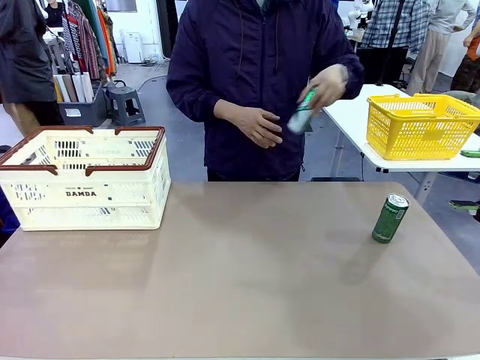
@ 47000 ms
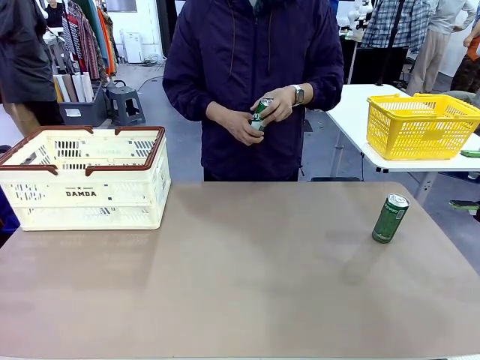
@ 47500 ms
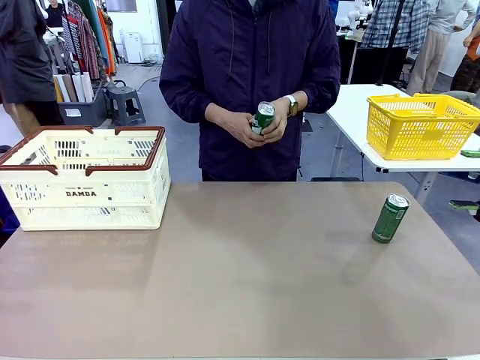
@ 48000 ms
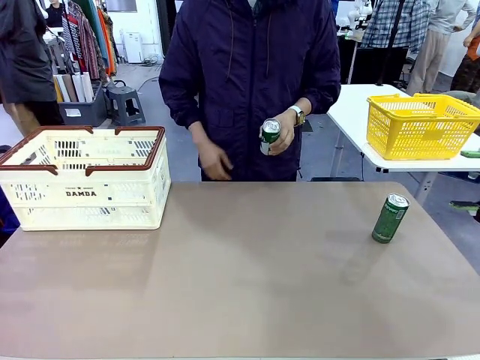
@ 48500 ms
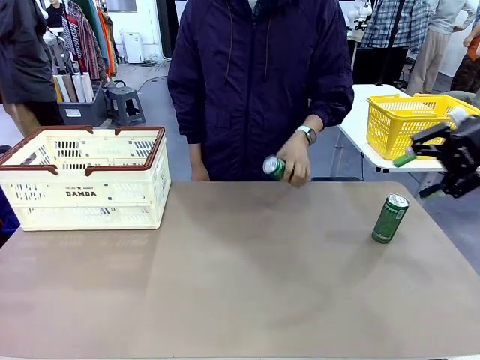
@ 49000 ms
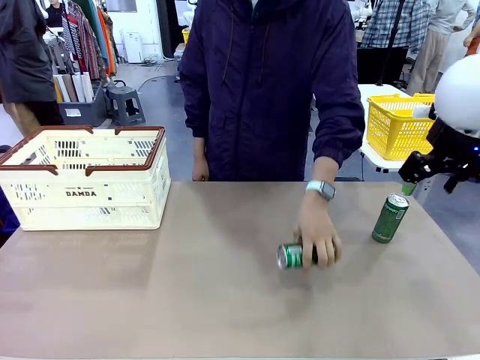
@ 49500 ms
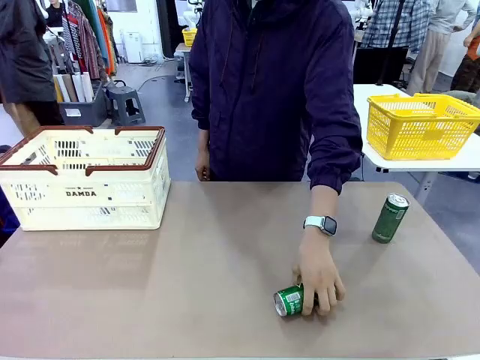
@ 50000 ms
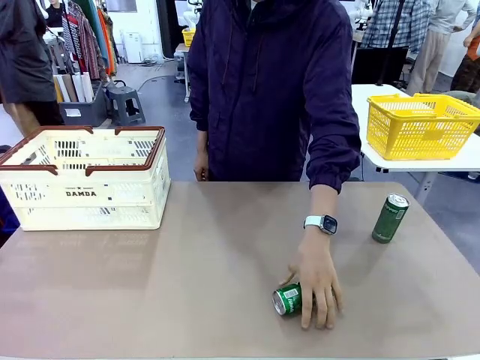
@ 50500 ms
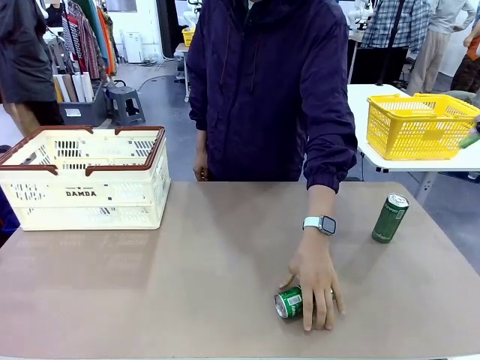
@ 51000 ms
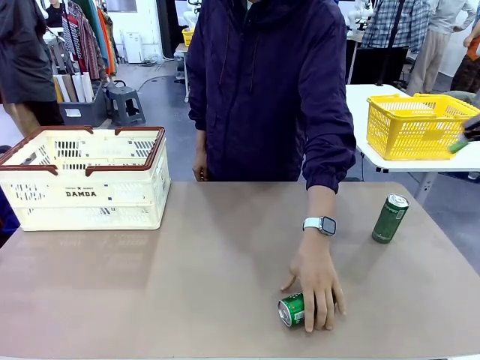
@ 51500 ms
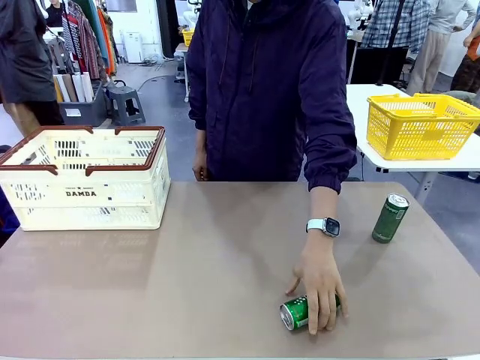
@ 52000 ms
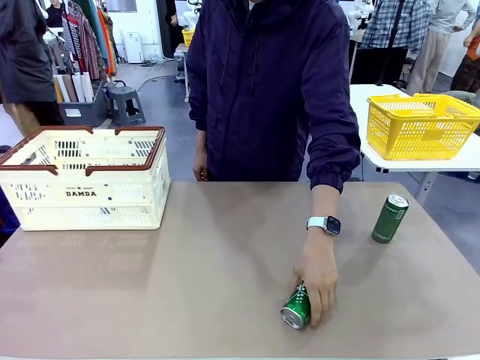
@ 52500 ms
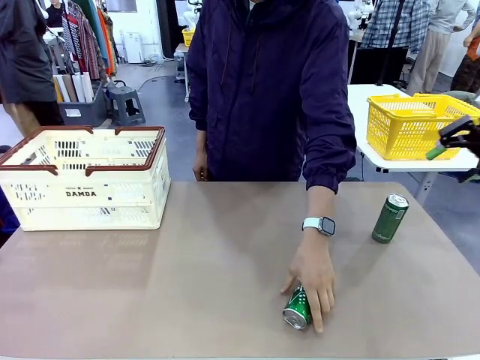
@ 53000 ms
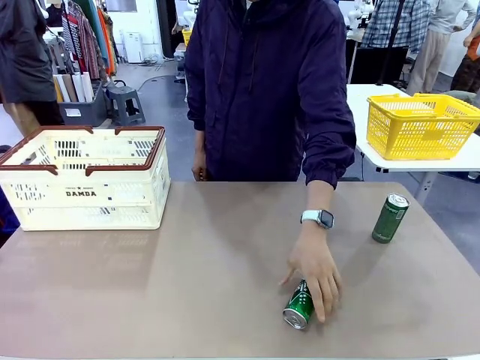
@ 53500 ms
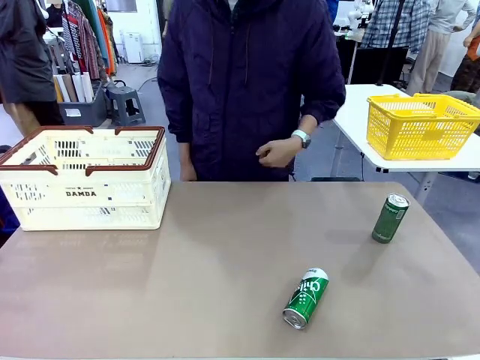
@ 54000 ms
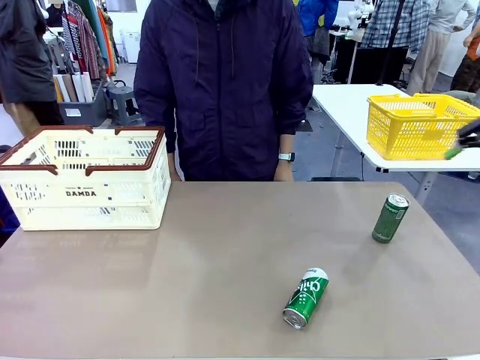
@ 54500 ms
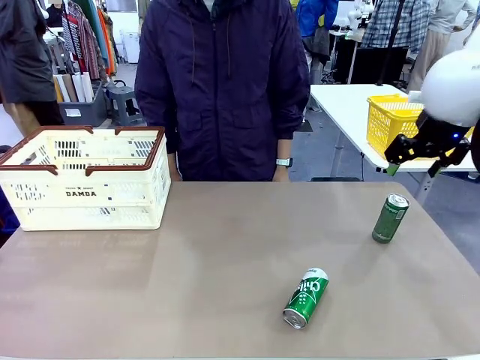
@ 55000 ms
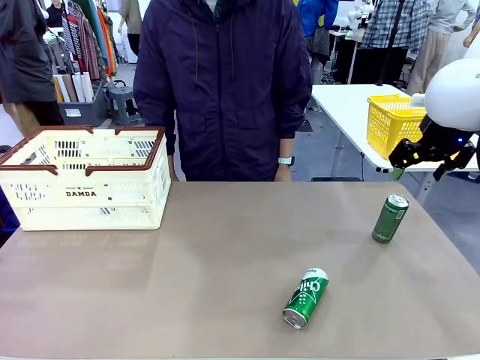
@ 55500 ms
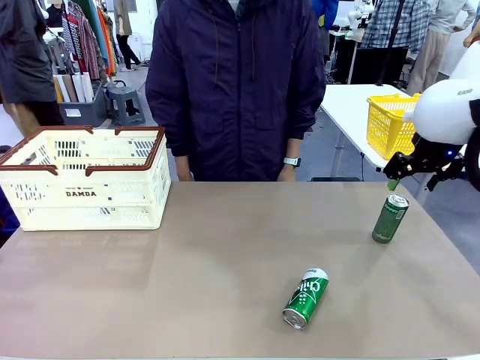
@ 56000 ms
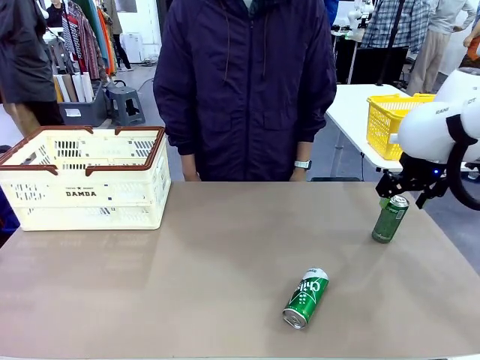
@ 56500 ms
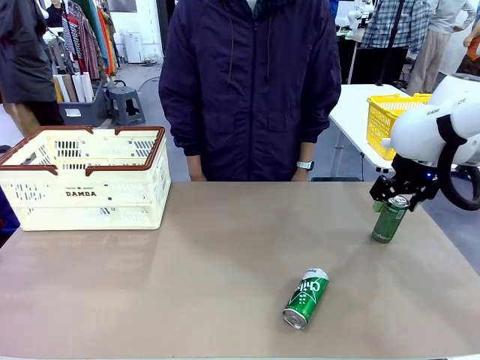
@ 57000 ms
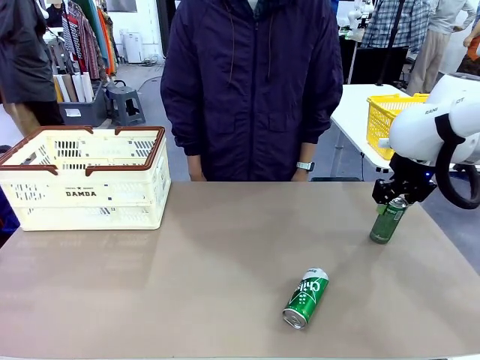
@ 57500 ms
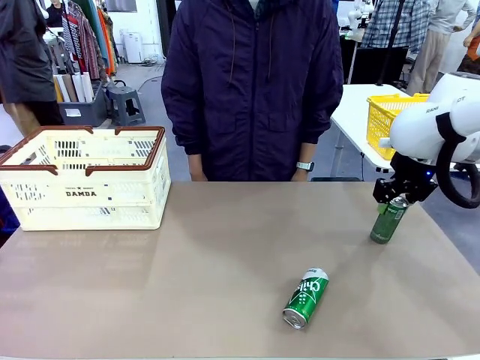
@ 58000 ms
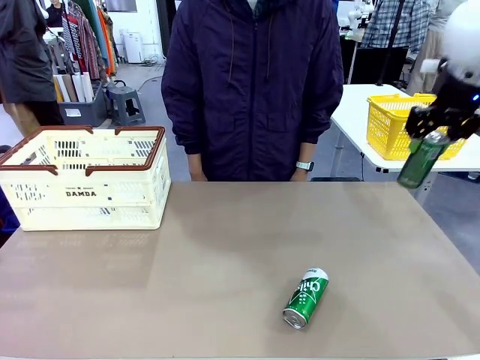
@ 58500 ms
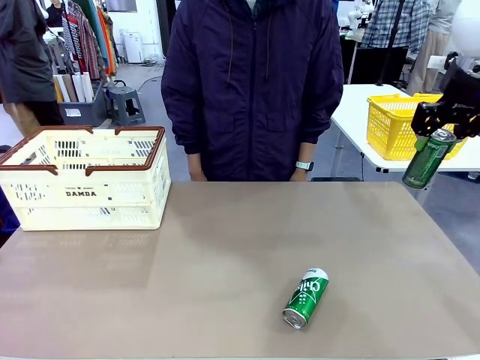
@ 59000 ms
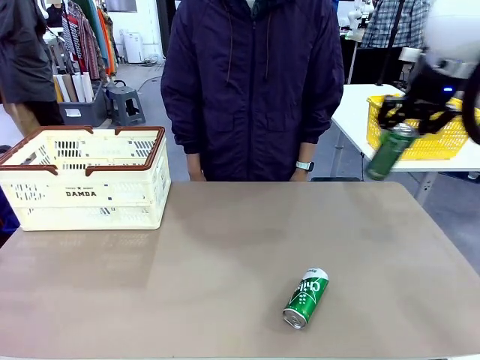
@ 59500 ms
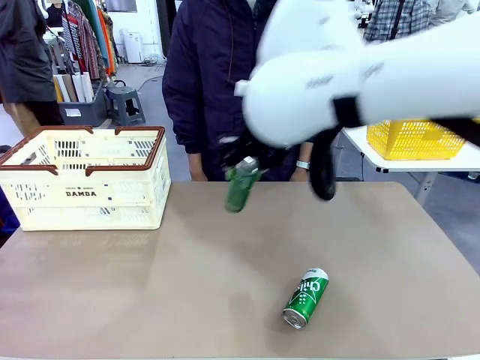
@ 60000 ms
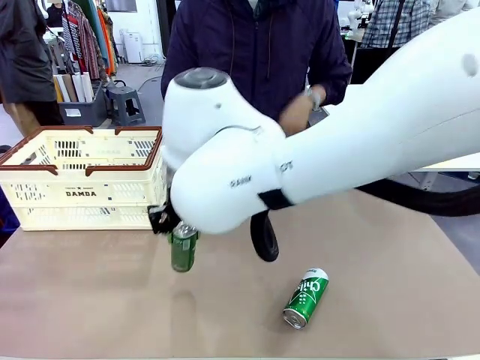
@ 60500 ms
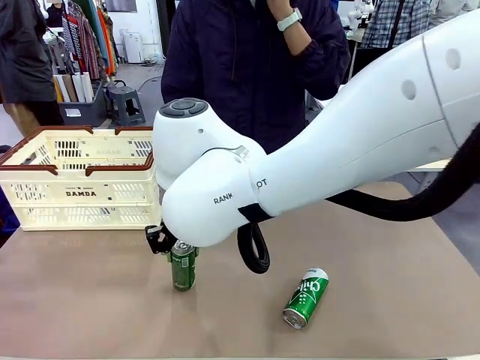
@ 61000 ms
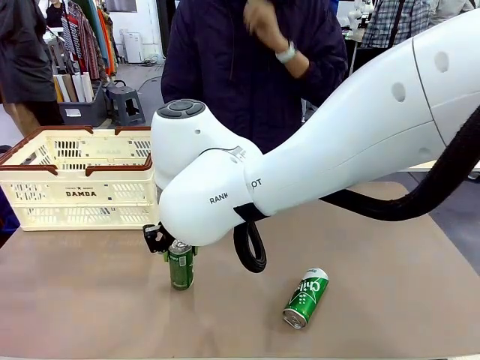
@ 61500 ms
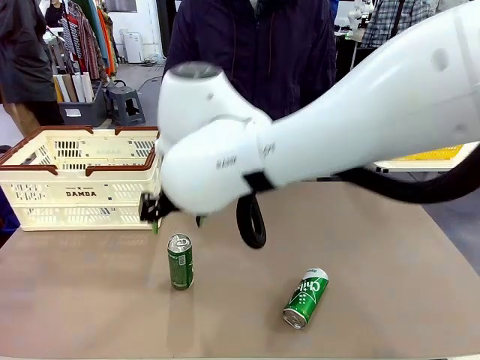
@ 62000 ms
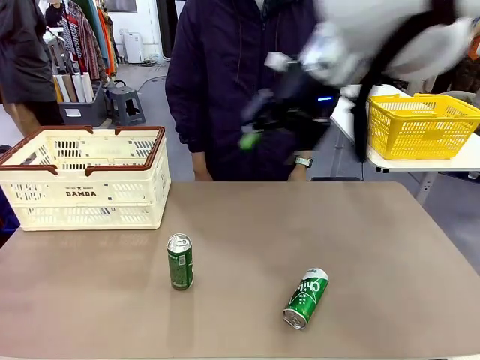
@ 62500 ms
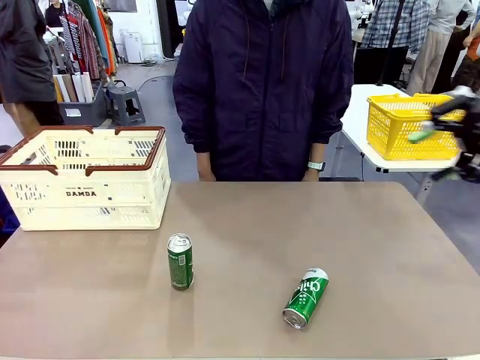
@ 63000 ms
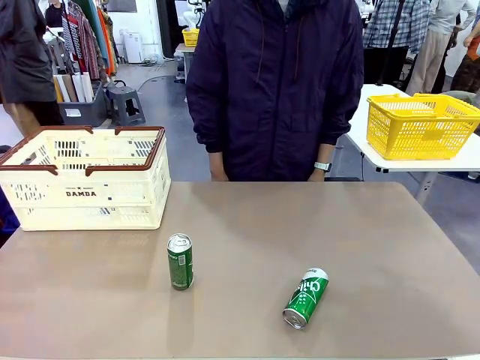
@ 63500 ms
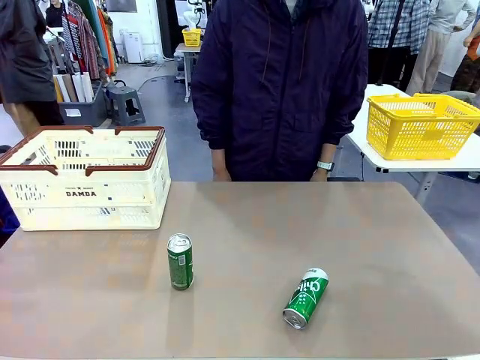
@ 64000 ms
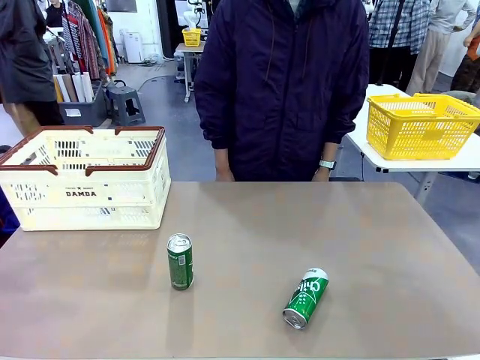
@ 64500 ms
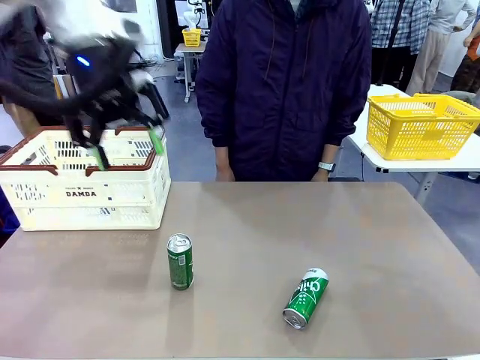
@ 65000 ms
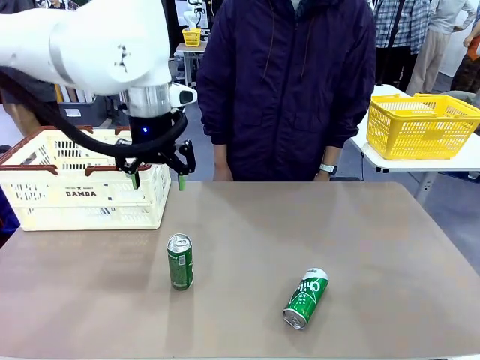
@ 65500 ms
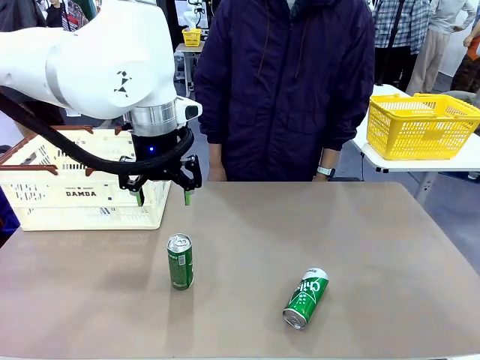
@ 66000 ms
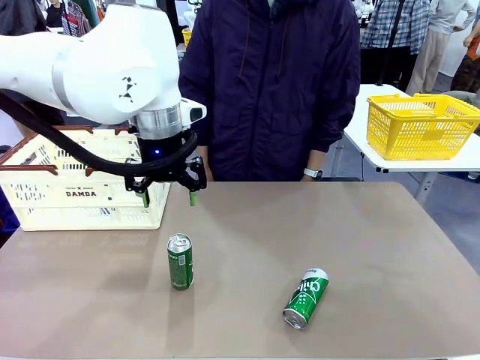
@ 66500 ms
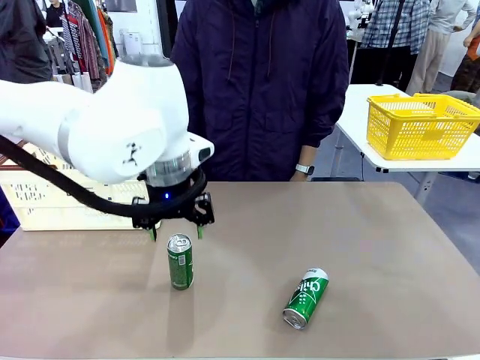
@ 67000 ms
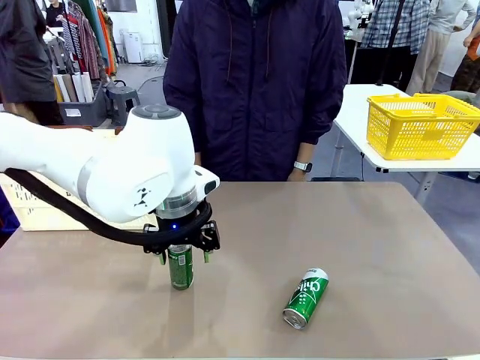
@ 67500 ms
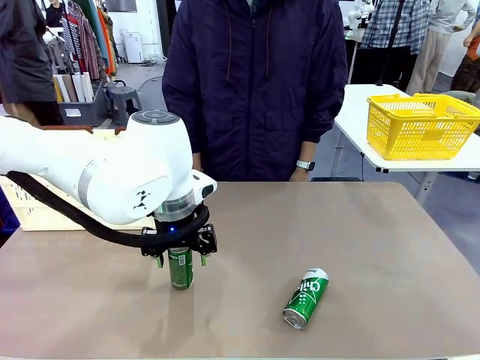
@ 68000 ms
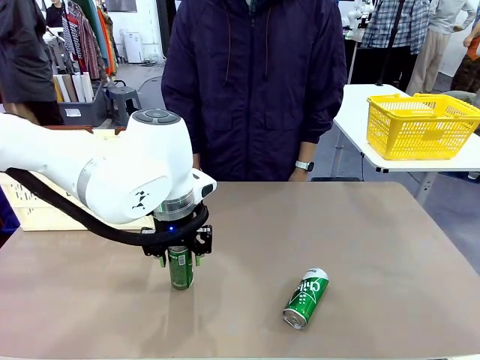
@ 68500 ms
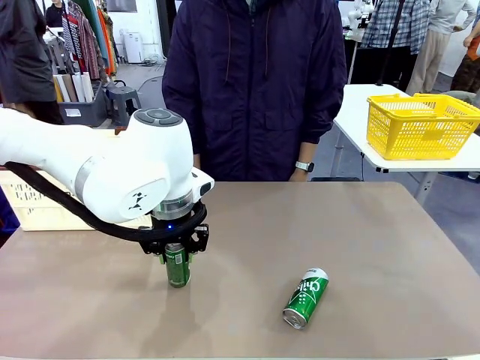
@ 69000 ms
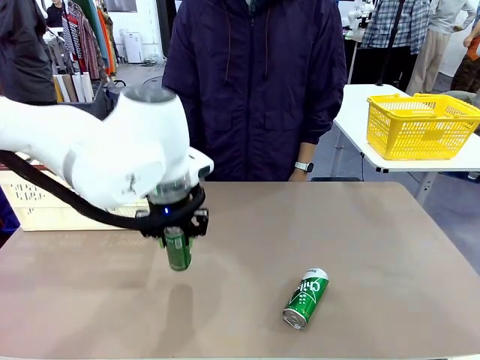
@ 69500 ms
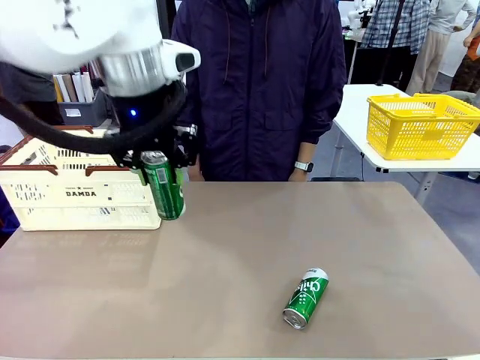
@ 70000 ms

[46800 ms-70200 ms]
Task: Place the drinks into the Shopping basket.
Robot: Pick up one drink and place it into the Shopping basket.
